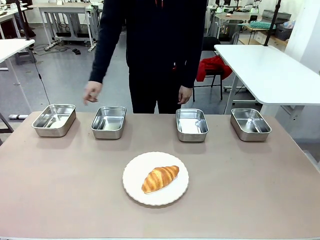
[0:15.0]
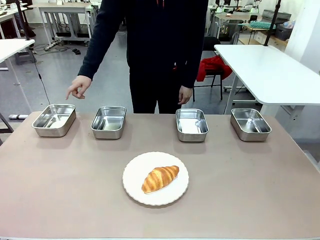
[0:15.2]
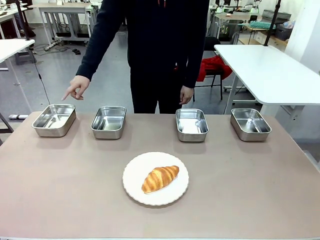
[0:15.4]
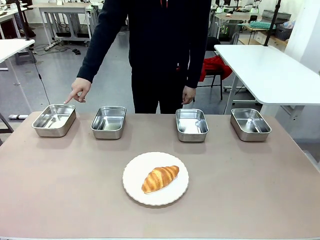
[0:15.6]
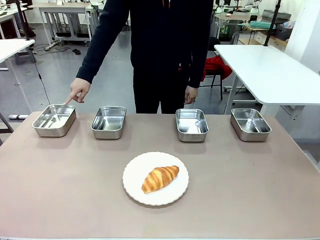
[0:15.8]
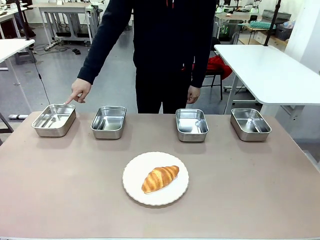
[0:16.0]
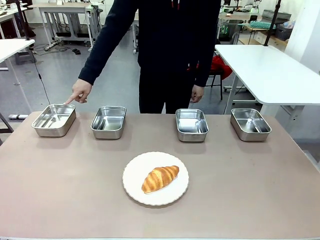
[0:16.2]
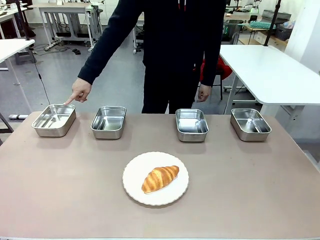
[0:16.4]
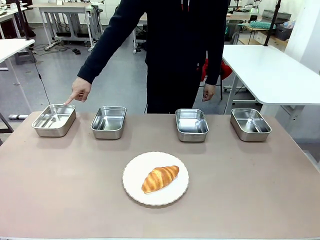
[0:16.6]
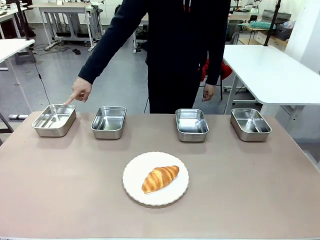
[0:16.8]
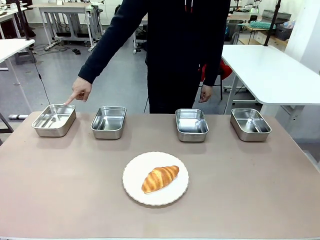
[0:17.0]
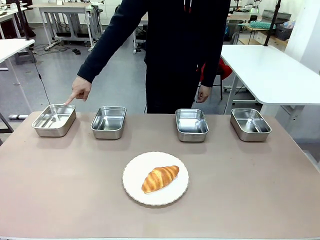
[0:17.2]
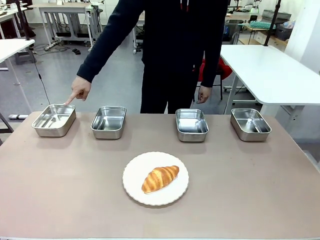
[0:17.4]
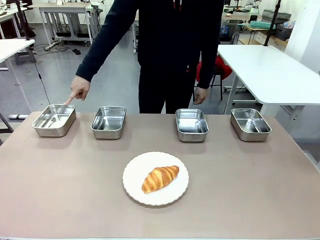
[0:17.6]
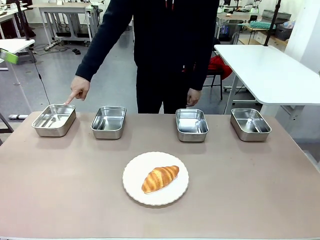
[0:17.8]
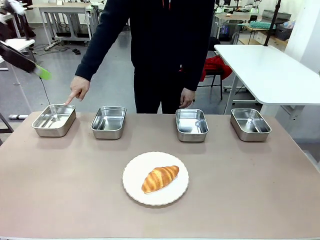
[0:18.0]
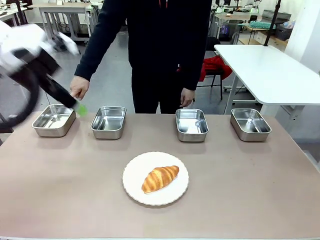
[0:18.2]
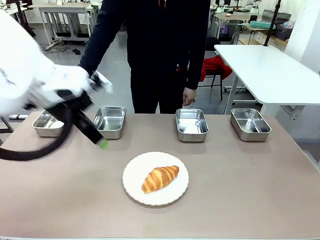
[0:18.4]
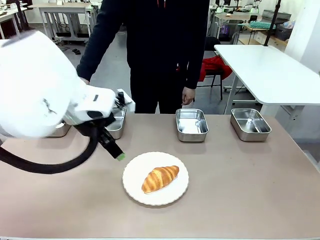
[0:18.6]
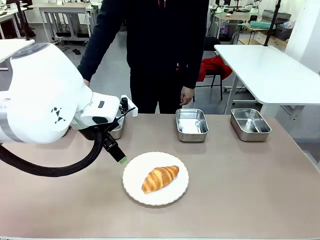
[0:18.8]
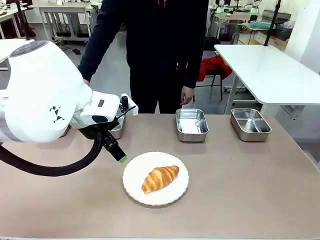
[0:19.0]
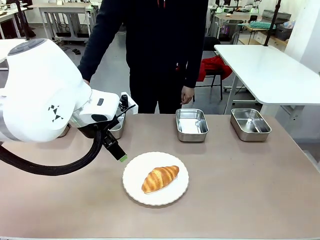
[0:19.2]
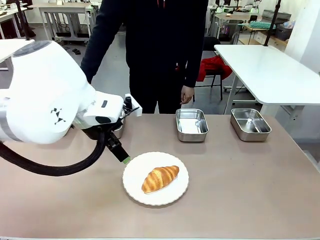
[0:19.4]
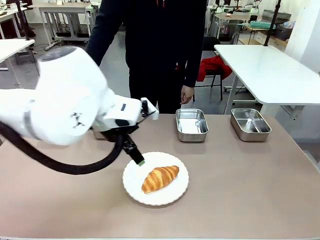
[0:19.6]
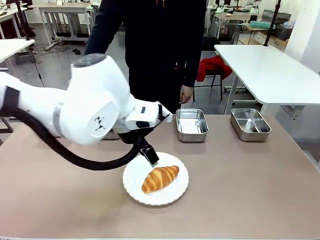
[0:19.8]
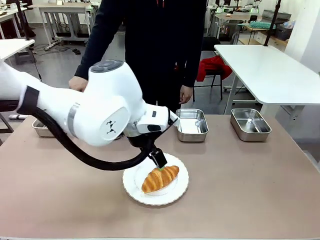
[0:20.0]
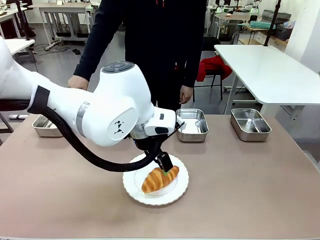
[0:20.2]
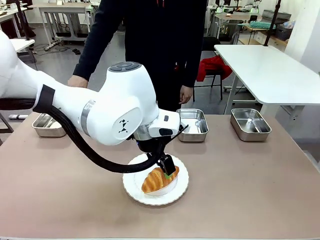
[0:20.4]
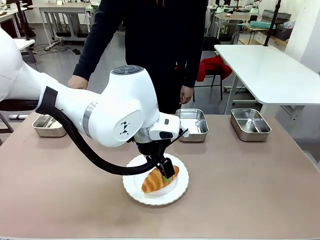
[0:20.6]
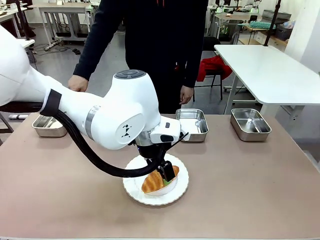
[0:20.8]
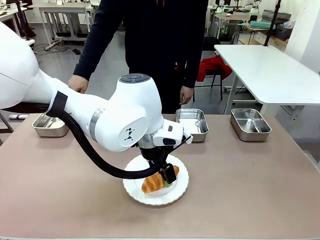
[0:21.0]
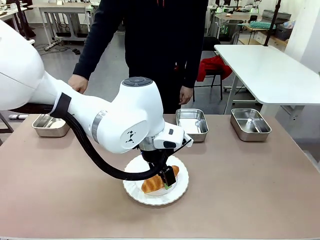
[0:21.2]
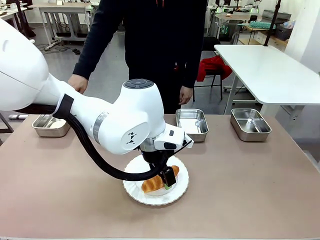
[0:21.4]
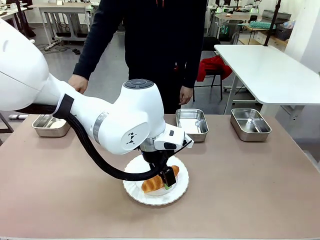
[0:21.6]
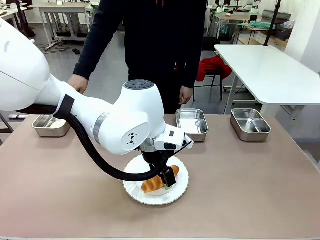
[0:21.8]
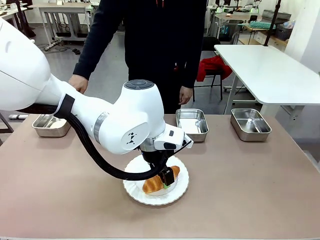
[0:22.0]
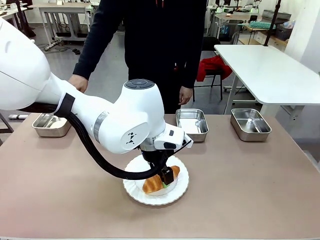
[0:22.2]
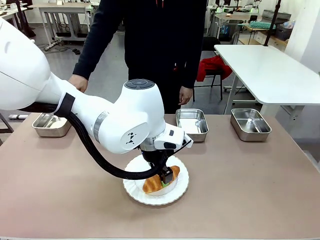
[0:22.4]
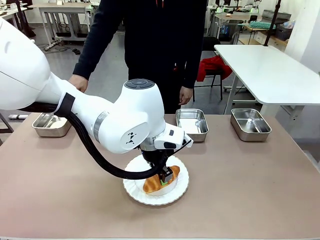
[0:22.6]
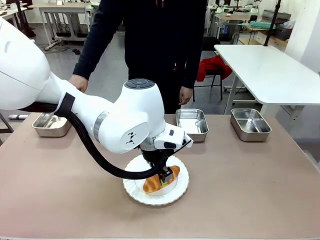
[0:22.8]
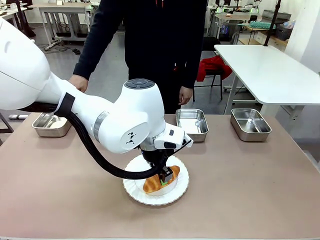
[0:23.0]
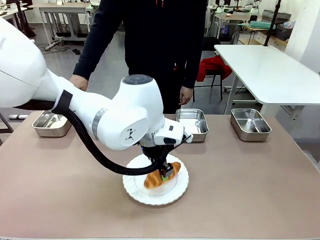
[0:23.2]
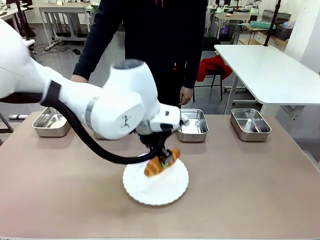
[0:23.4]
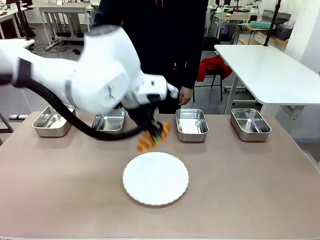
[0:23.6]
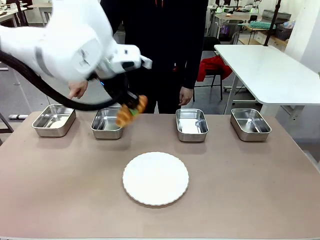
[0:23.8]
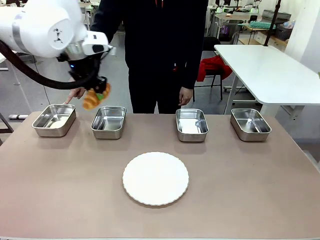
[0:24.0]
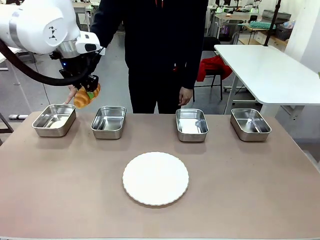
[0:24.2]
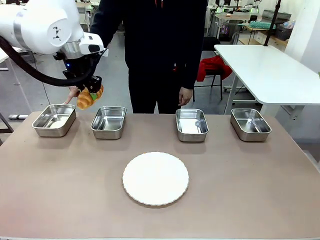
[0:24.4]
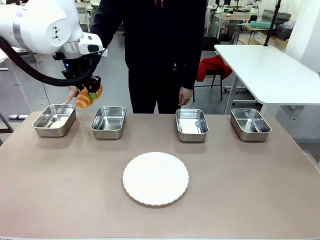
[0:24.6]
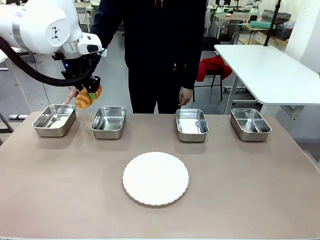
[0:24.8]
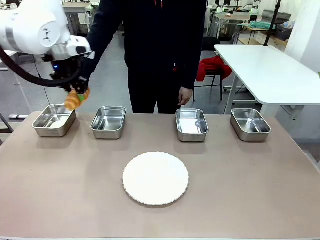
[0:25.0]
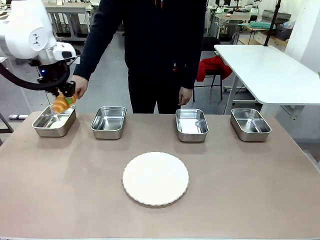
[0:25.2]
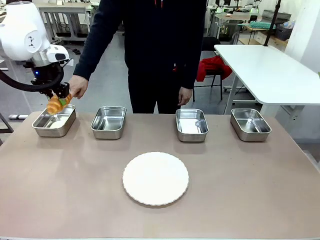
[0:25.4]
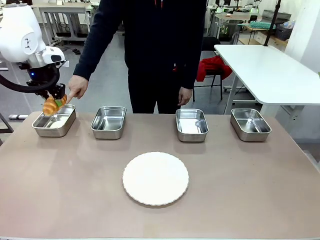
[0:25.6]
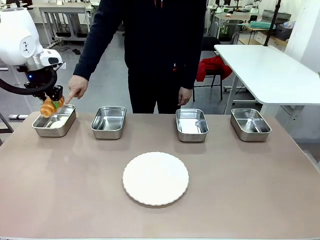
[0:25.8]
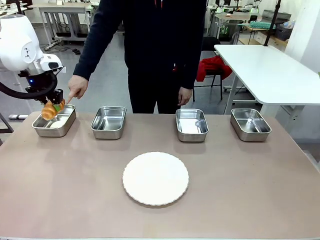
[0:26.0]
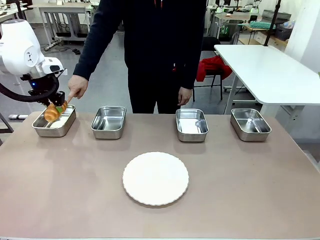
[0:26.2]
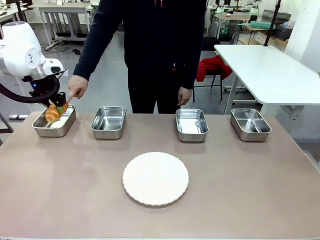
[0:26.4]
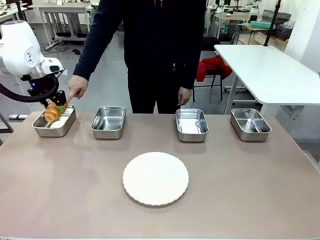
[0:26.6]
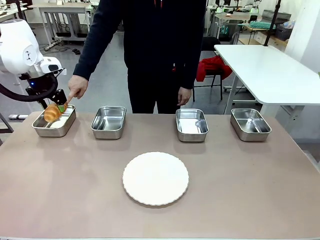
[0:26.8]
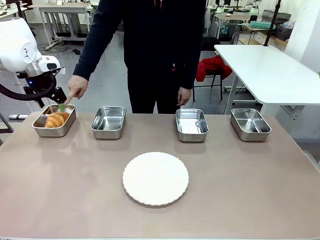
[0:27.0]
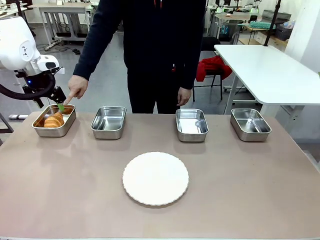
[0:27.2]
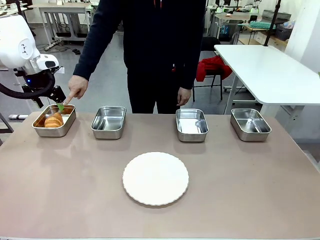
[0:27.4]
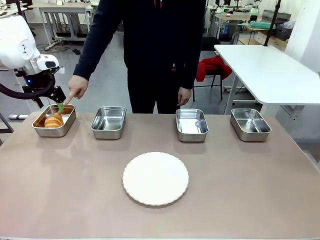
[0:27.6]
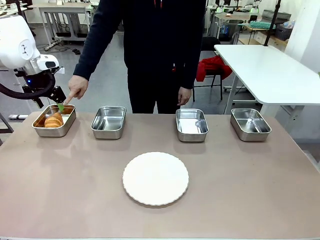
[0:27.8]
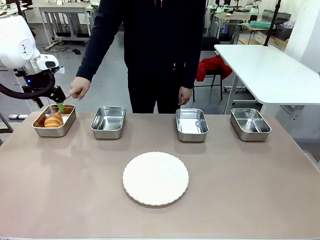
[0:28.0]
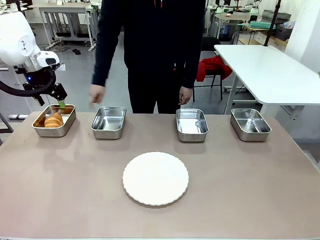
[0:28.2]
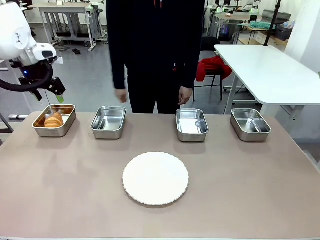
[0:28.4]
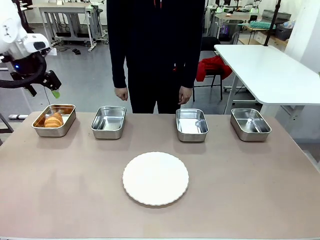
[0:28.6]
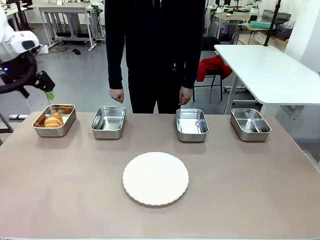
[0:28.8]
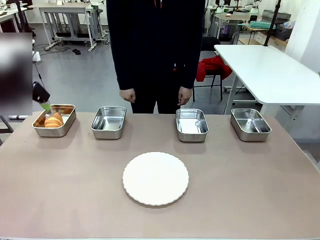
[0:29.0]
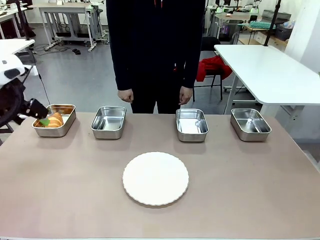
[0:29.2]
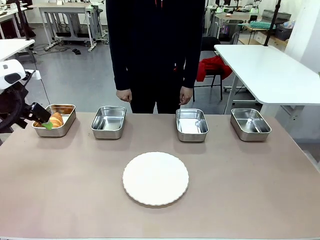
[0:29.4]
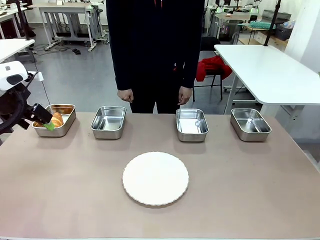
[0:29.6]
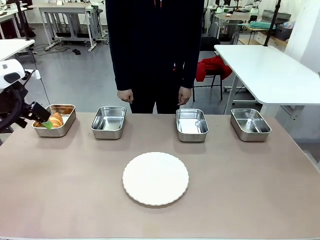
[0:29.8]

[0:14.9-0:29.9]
Task: Place the bread in the container.
Robot: Place the Butter Roll into the Airtight Container indicated by the human.
Person: A person randomly selects and points to an Airtight Container.
